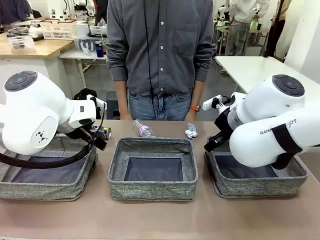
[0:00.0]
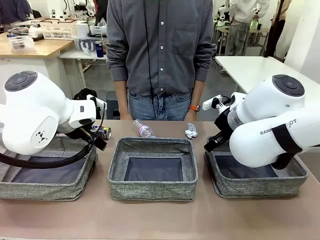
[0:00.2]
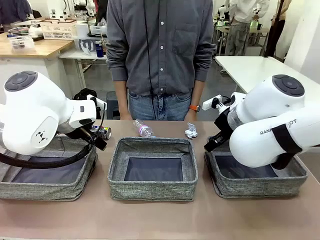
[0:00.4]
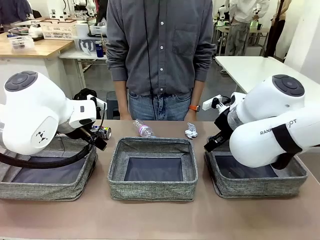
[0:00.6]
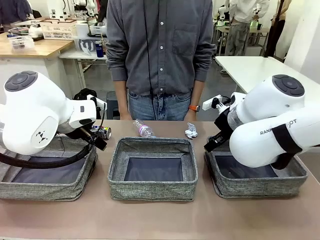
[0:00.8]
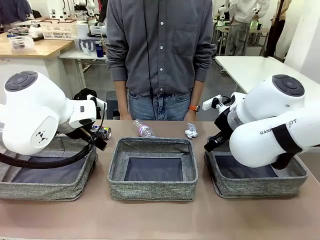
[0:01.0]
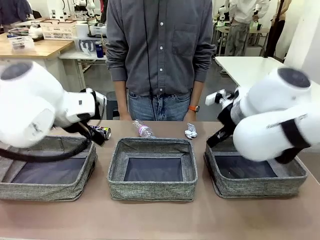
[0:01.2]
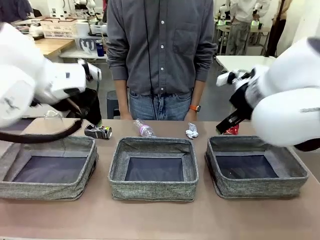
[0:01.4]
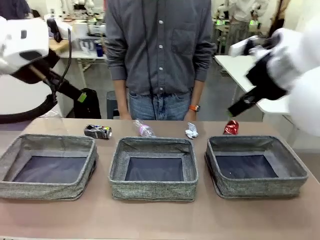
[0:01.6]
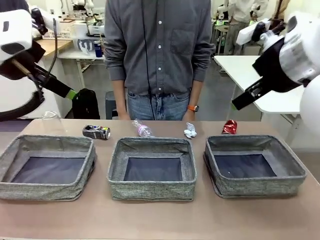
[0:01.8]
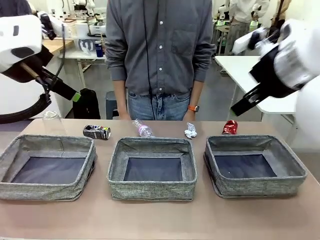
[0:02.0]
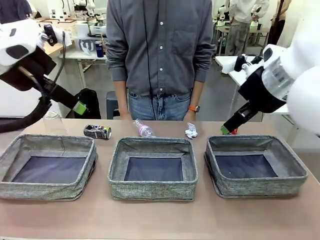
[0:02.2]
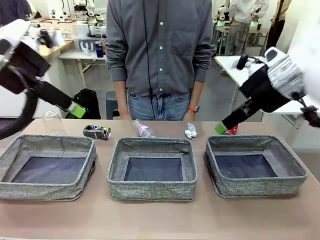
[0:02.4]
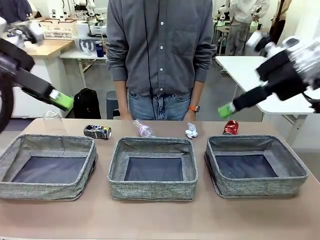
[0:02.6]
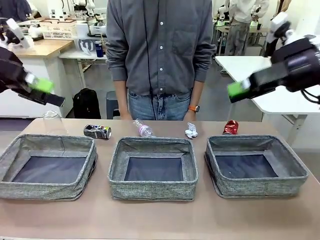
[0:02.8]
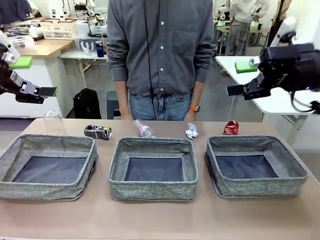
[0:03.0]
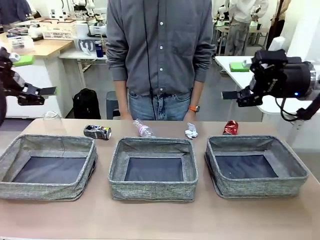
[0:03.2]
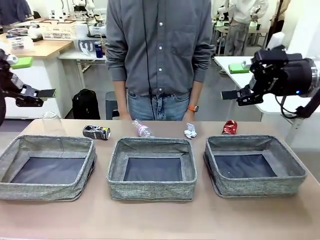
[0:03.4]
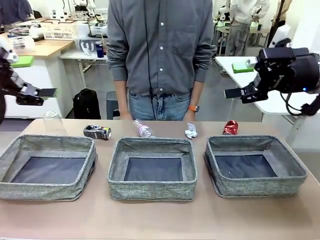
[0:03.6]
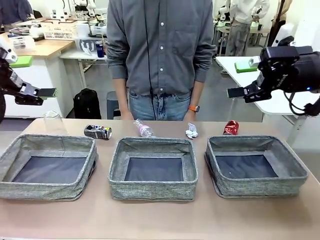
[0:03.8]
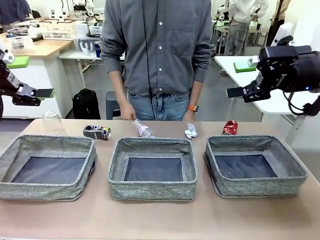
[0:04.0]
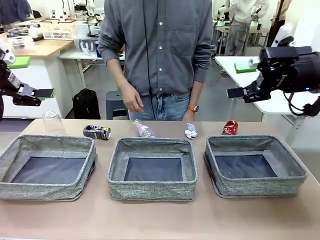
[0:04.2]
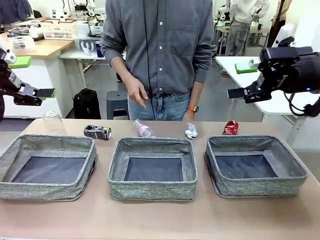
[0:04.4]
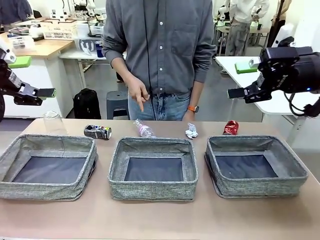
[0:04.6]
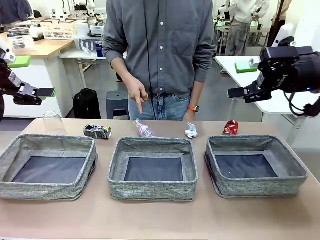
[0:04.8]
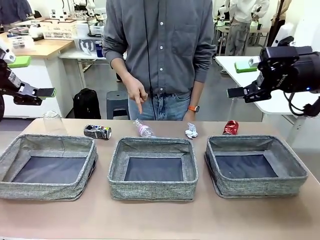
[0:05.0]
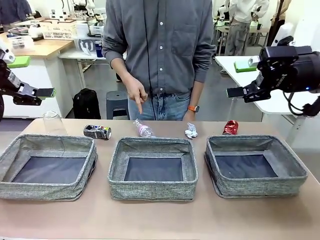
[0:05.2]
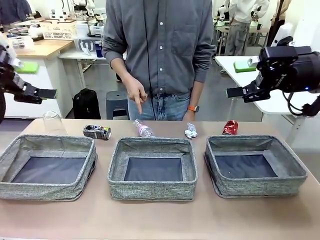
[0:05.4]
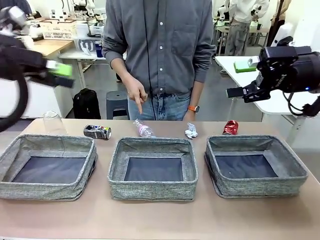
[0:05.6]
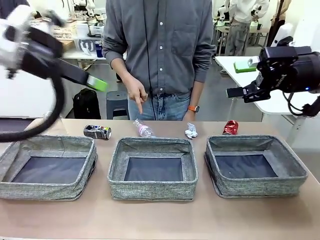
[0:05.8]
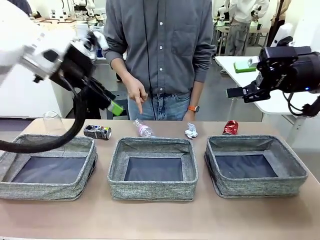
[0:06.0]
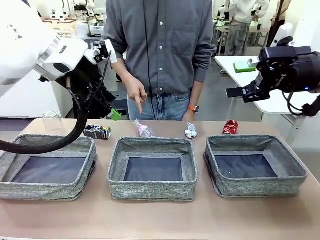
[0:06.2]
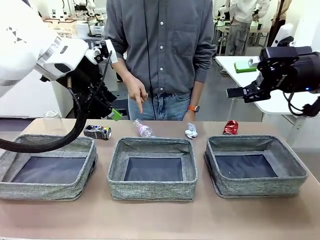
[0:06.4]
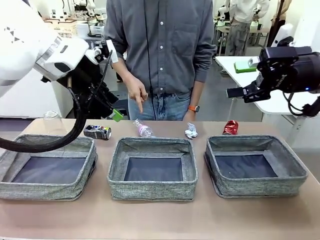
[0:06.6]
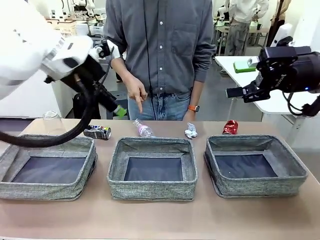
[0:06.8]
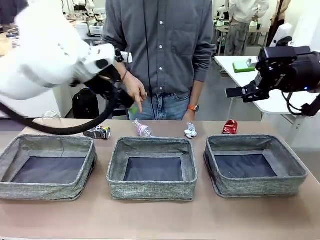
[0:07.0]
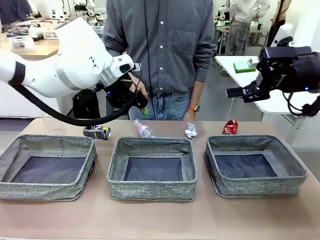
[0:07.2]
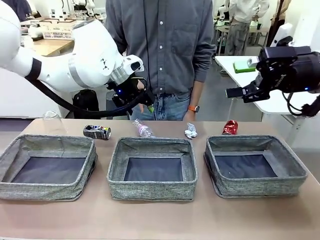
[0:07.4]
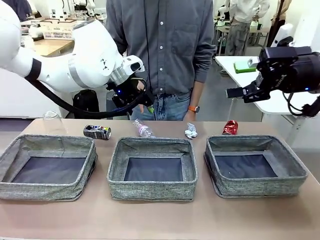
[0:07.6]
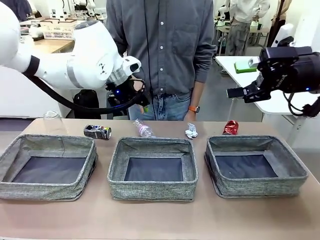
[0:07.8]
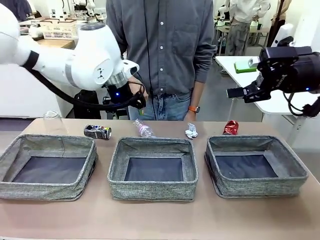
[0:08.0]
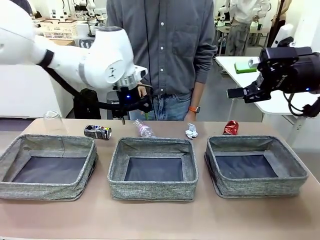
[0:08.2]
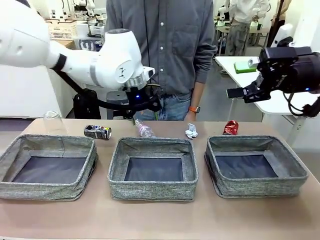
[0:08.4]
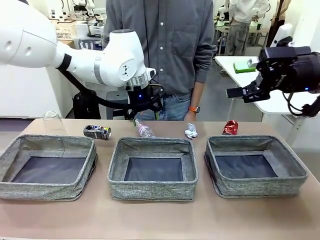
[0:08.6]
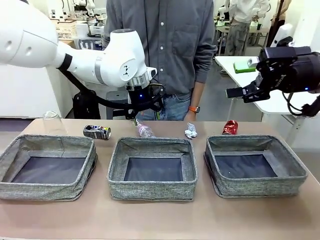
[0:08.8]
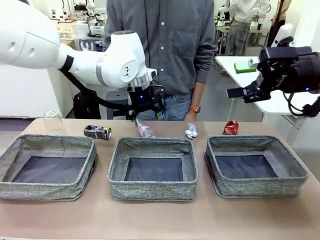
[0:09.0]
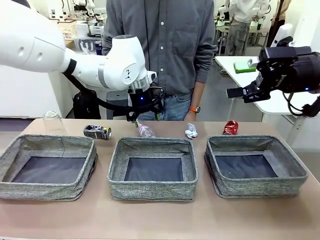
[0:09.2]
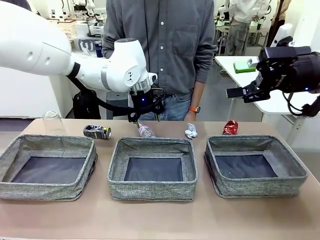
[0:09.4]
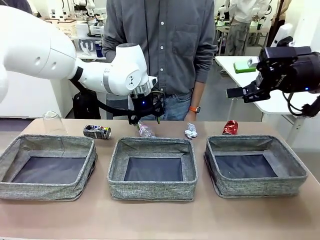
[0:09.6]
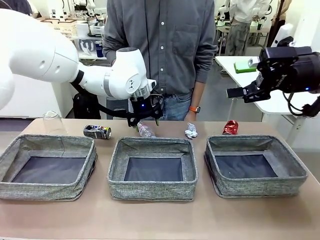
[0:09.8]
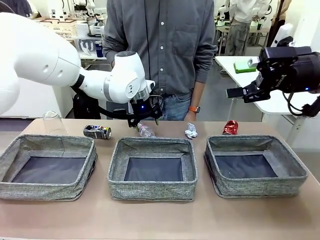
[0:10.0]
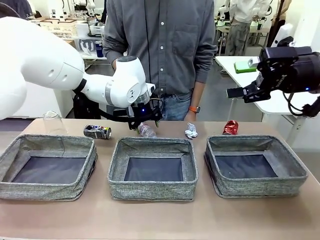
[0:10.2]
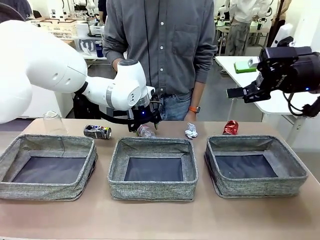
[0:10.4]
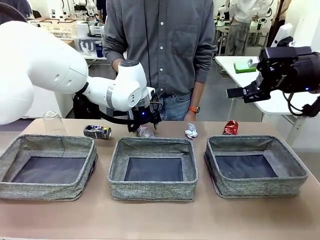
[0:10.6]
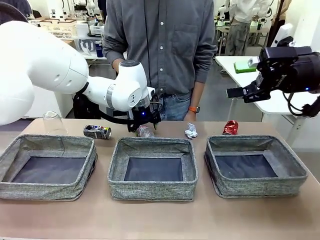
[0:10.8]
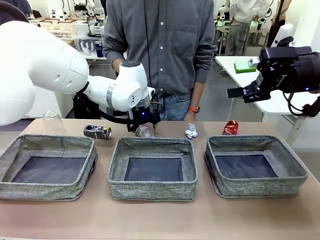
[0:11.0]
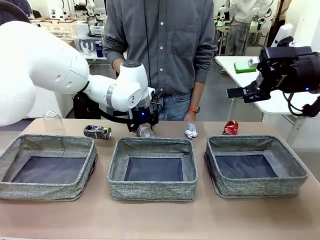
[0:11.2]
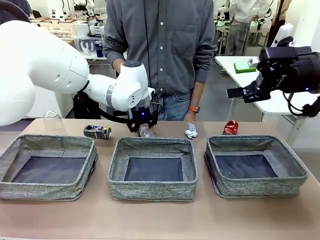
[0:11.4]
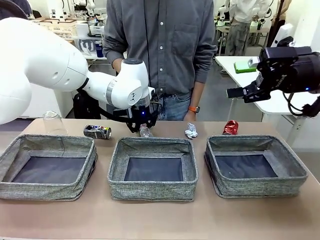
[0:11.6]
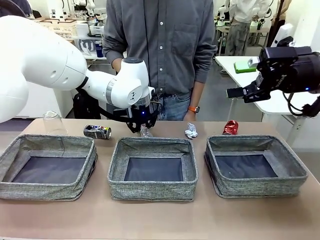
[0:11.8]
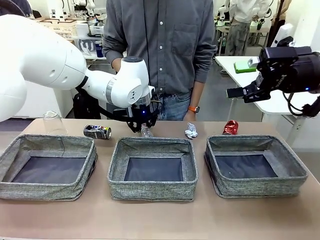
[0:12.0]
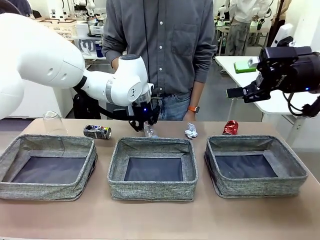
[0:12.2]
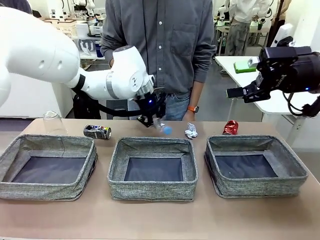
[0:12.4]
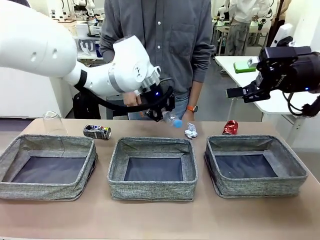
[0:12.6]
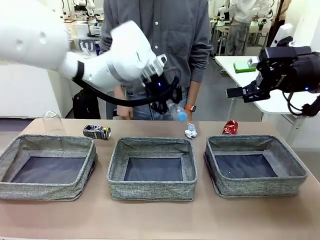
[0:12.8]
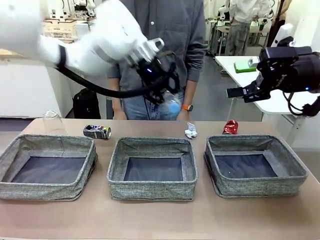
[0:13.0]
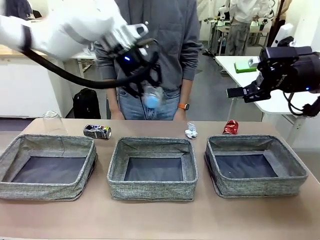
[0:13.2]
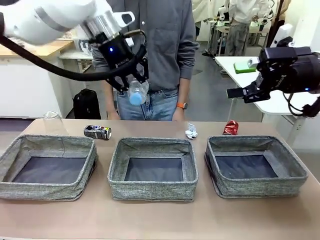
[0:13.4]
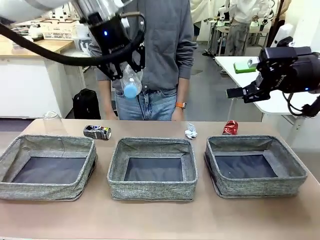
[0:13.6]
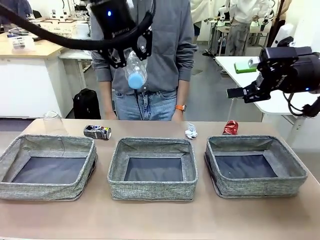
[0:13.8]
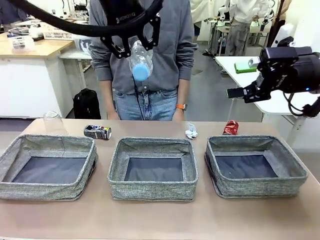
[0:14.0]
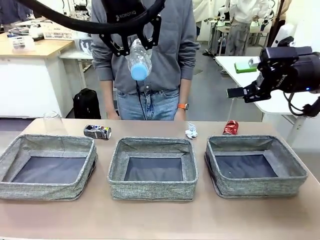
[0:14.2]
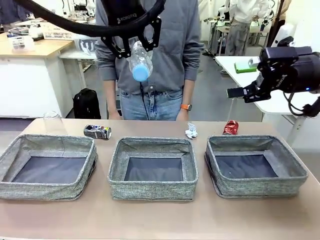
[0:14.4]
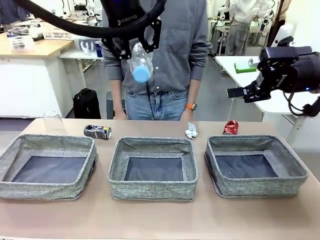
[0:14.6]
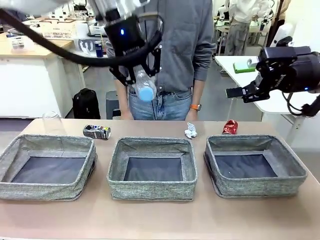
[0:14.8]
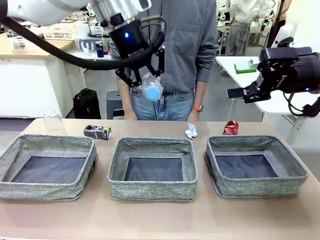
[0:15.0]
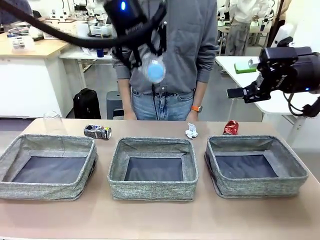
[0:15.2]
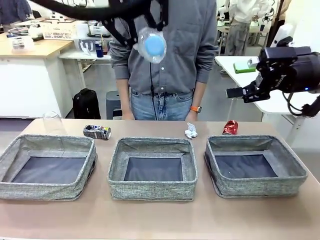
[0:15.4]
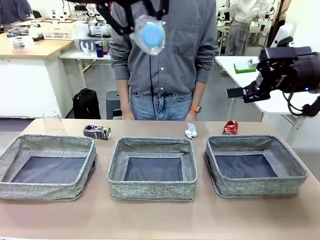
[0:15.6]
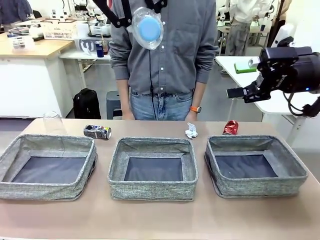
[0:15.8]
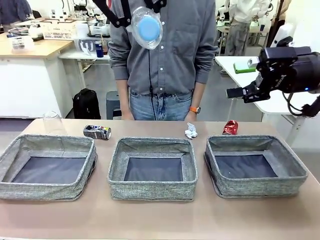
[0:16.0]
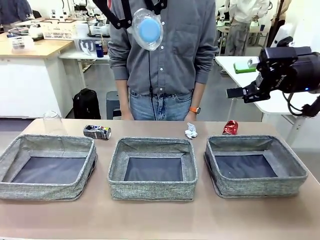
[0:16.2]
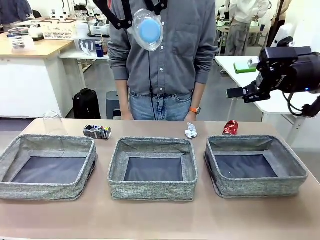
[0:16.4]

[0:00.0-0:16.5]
Task: Sort the waste into the appropriate baskets.
Robot: Pick up the waste item pointed out by the person.
Person: Points to one piece of trash on the table.

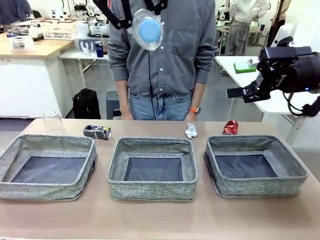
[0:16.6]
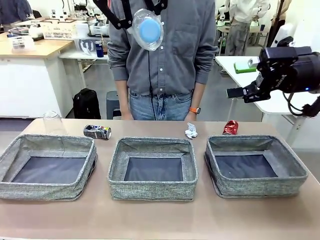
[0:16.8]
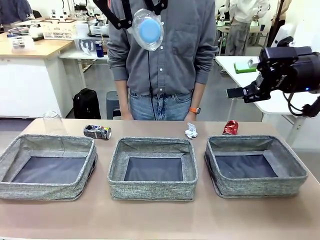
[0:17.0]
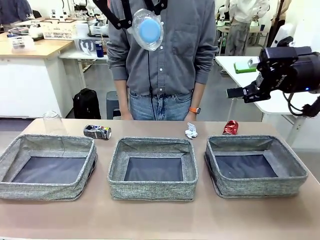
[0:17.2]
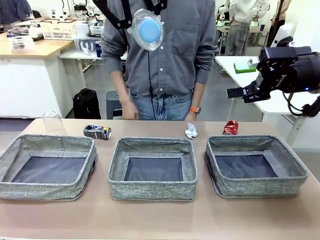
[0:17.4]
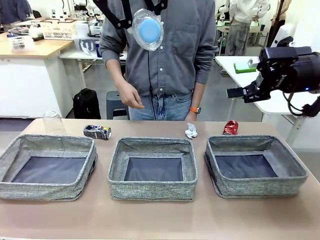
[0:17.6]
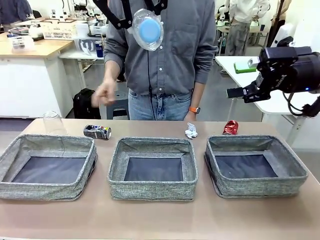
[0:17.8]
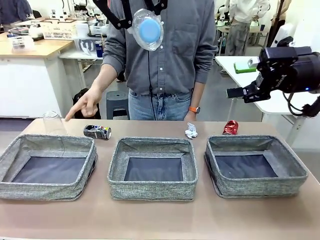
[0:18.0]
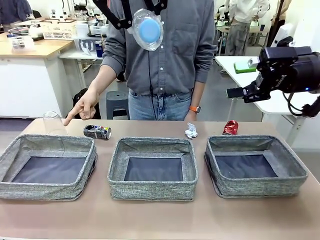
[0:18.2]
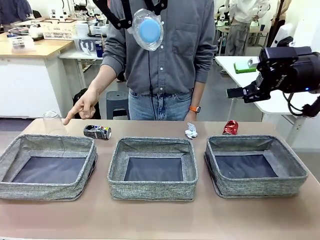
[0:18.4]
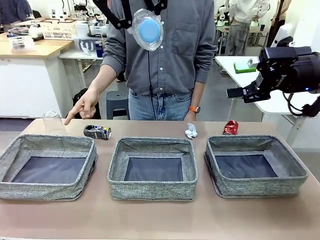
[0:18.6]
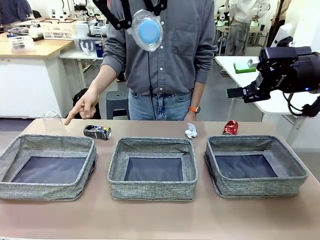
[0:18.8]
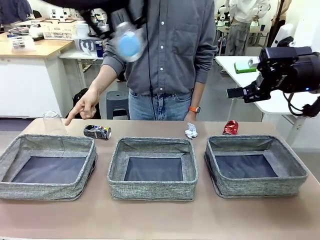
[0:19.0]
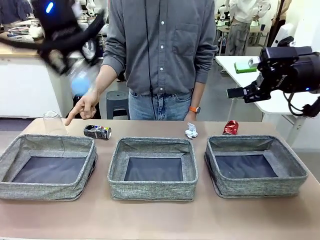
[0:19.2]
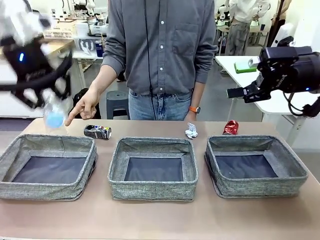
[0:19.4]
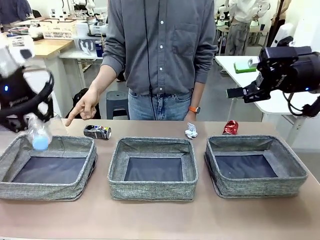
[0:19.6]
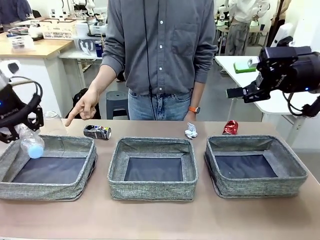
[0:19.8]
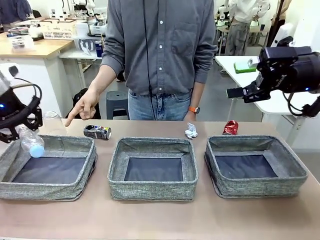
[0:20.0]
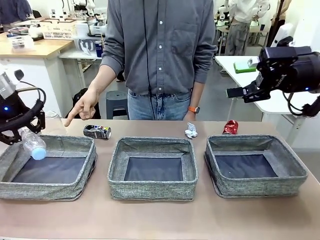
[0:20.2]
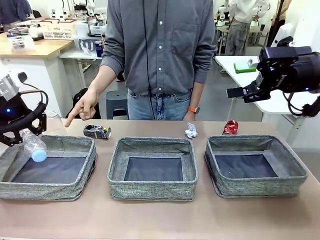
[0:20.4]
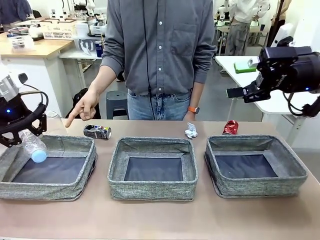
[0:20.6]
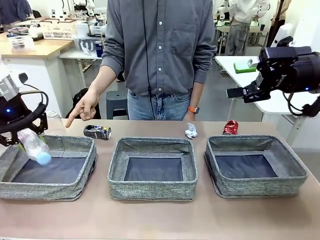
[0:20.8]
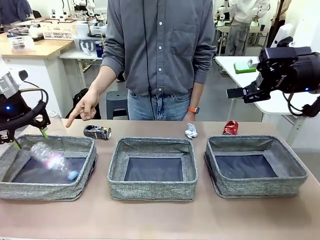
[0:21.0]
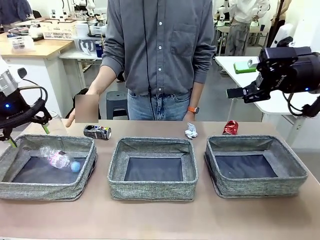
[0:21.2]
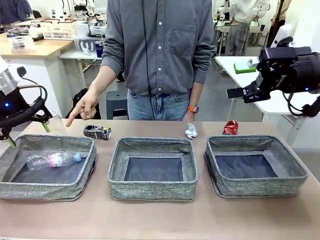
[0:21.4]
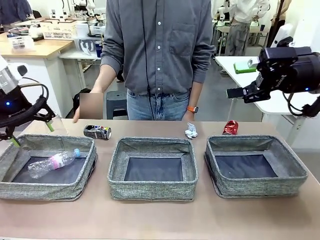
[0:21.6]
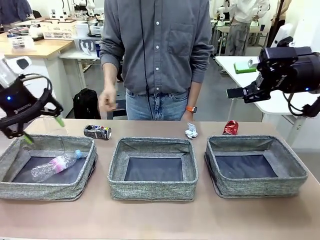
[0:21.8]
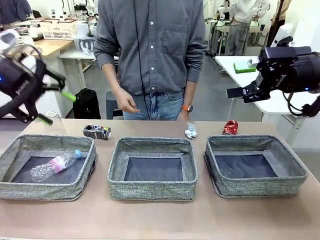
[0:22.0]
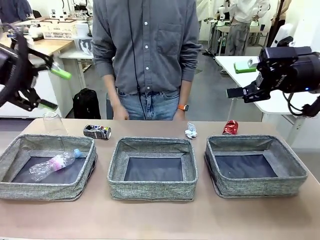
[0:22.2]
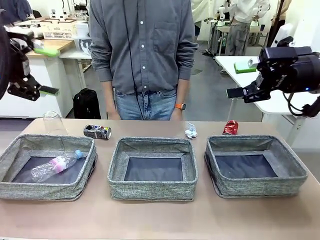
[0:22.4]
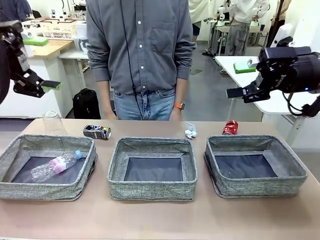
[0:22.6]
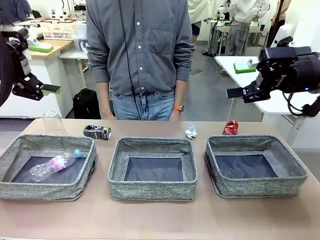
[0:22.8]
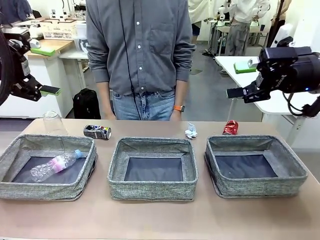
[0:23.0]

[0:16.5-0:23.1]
Robot: Place the picked waste into the Fabric basket indicated by the person.
Person: Instructs the robot to place the picked-up trash into the appropriate organizing basket.
